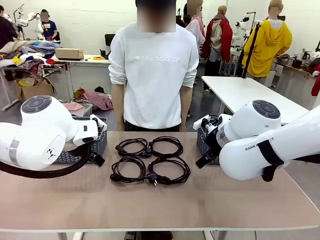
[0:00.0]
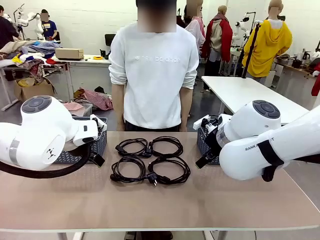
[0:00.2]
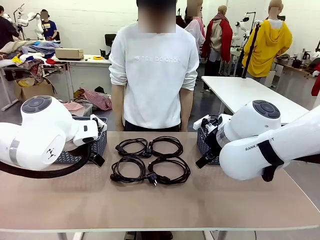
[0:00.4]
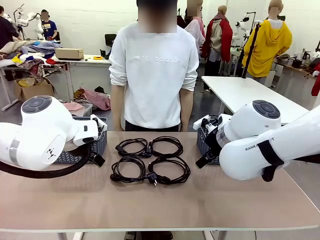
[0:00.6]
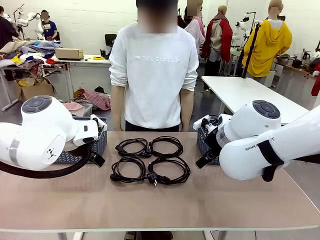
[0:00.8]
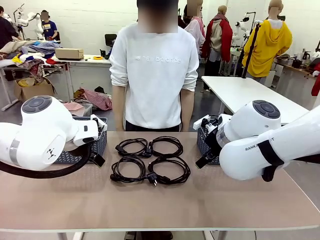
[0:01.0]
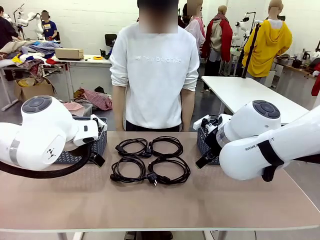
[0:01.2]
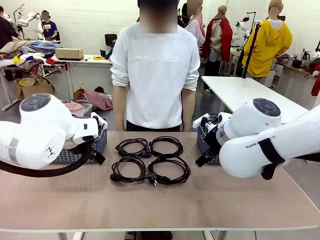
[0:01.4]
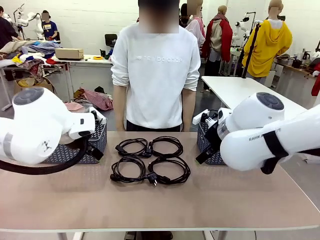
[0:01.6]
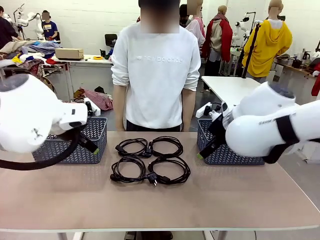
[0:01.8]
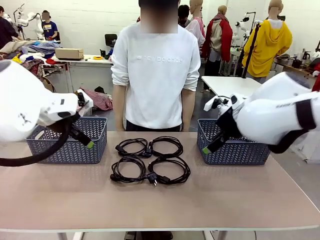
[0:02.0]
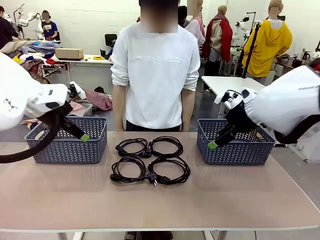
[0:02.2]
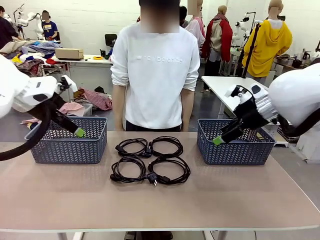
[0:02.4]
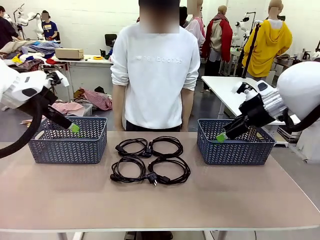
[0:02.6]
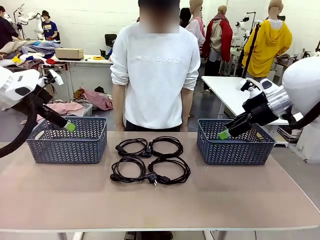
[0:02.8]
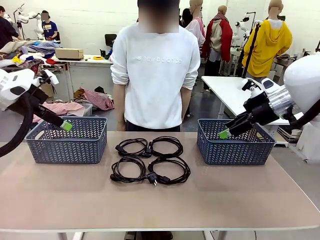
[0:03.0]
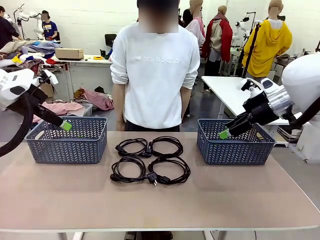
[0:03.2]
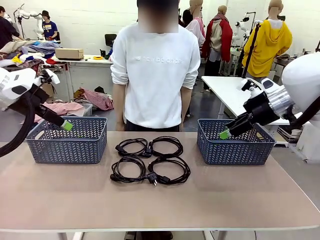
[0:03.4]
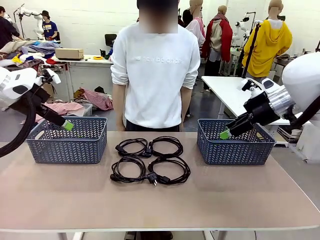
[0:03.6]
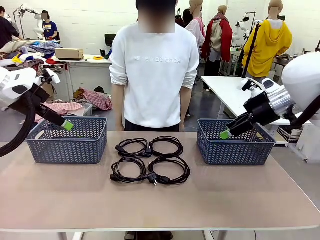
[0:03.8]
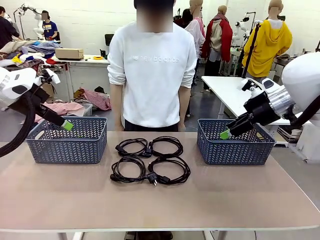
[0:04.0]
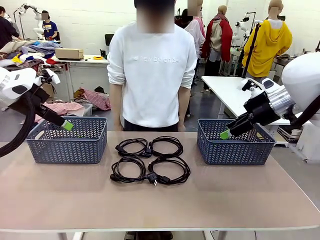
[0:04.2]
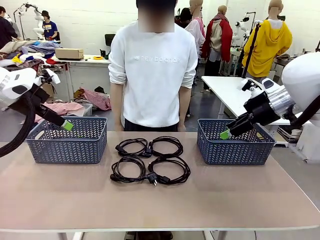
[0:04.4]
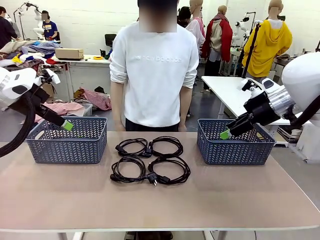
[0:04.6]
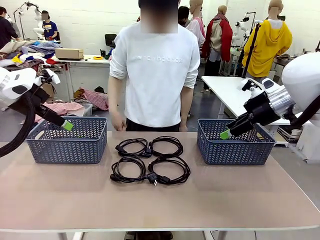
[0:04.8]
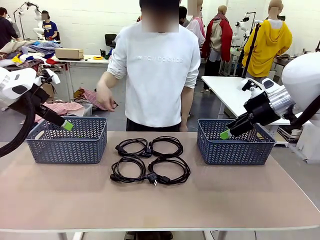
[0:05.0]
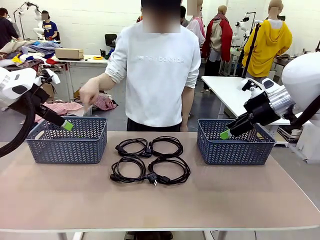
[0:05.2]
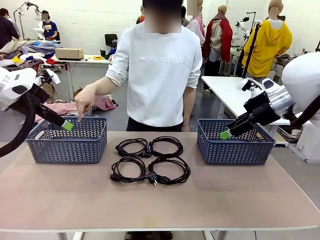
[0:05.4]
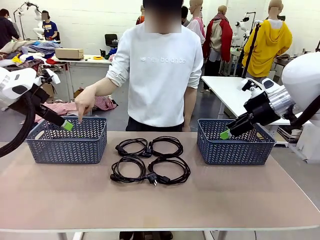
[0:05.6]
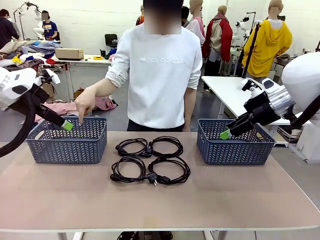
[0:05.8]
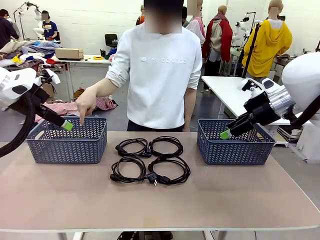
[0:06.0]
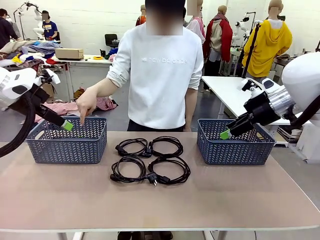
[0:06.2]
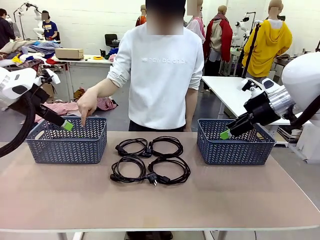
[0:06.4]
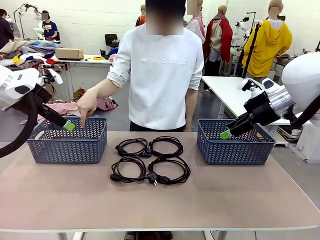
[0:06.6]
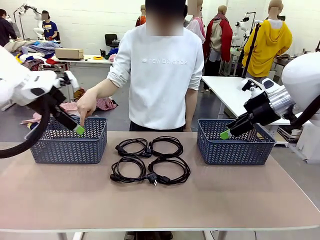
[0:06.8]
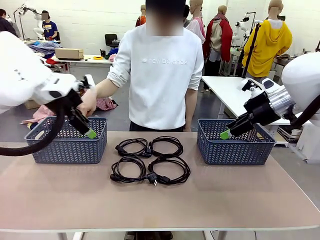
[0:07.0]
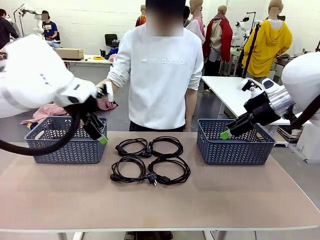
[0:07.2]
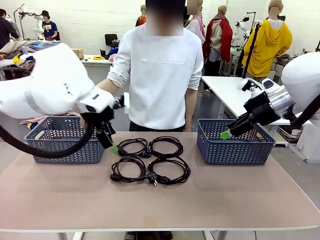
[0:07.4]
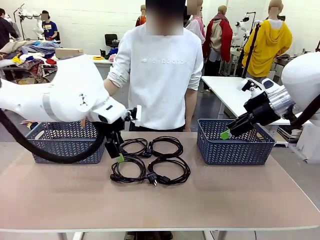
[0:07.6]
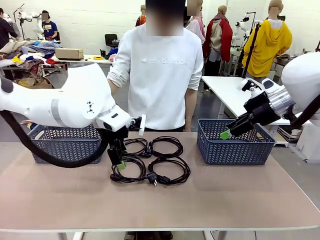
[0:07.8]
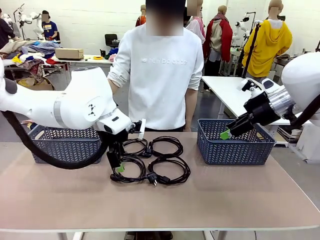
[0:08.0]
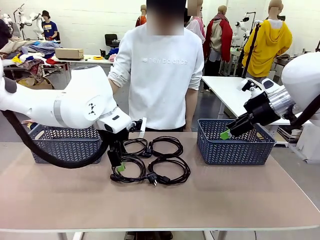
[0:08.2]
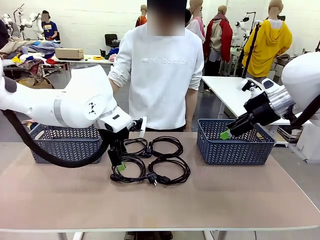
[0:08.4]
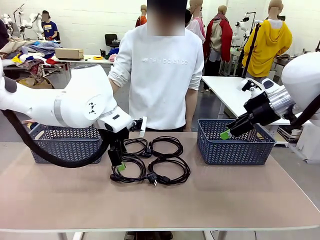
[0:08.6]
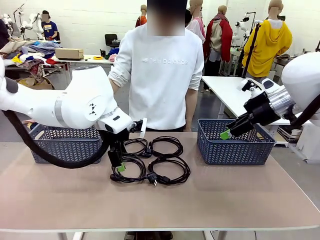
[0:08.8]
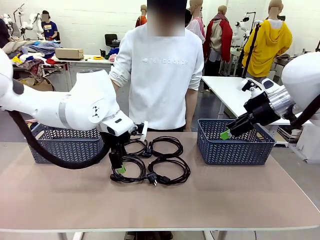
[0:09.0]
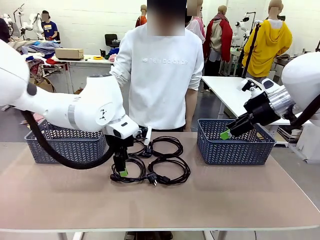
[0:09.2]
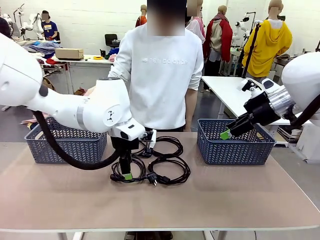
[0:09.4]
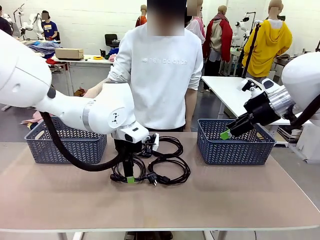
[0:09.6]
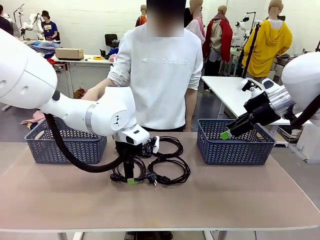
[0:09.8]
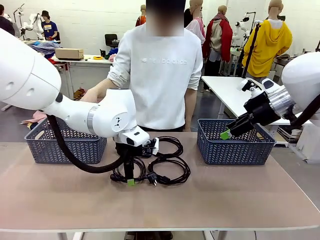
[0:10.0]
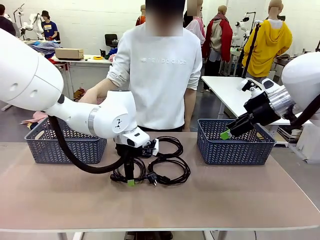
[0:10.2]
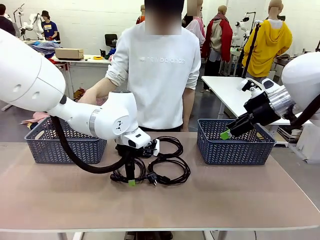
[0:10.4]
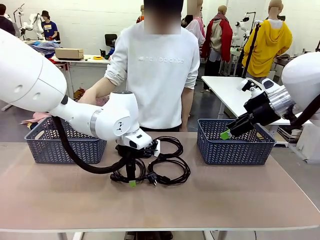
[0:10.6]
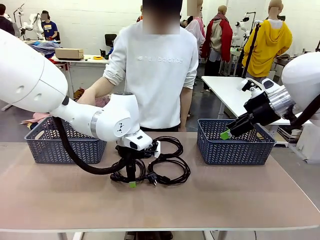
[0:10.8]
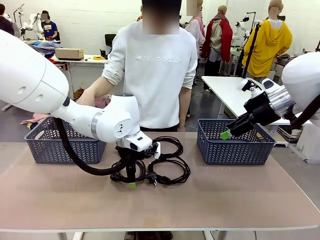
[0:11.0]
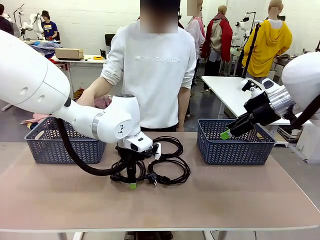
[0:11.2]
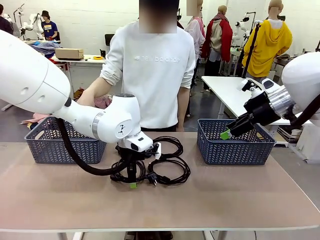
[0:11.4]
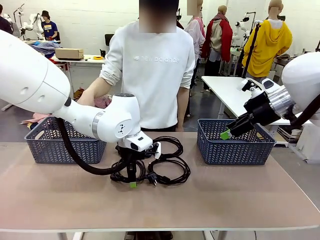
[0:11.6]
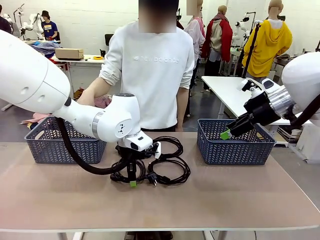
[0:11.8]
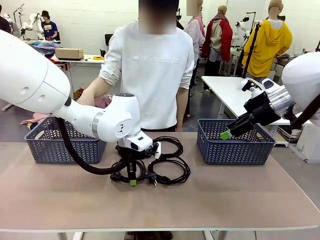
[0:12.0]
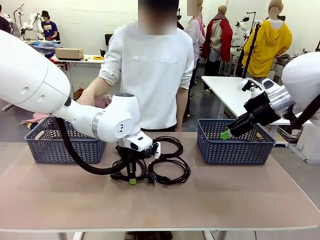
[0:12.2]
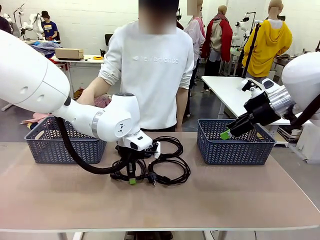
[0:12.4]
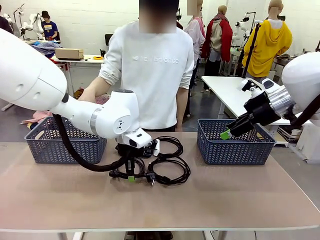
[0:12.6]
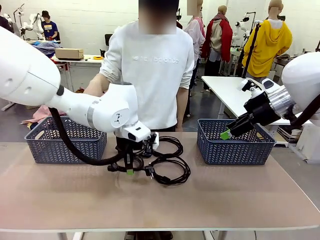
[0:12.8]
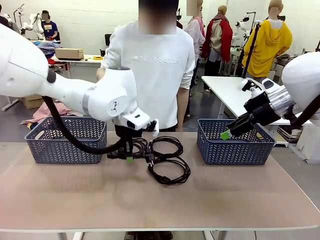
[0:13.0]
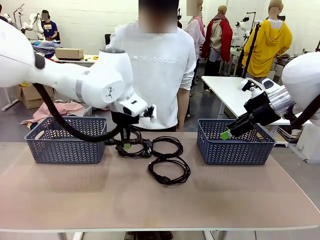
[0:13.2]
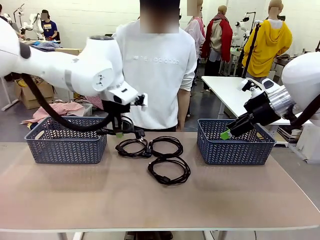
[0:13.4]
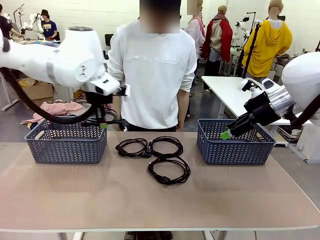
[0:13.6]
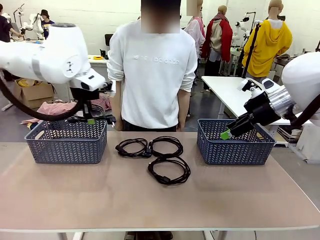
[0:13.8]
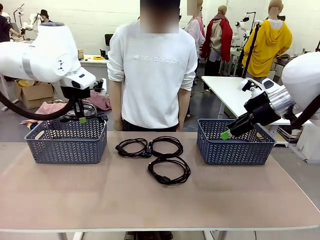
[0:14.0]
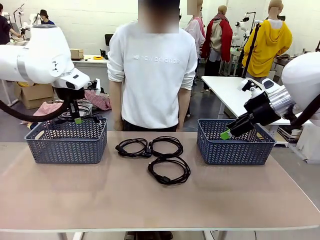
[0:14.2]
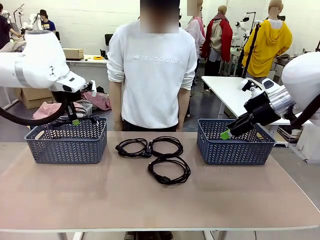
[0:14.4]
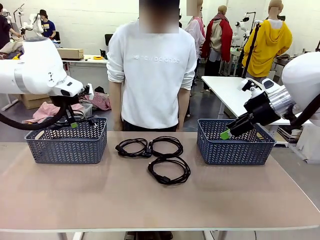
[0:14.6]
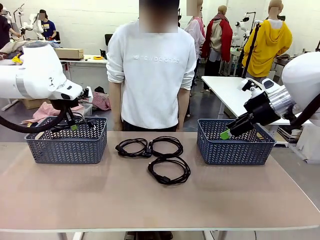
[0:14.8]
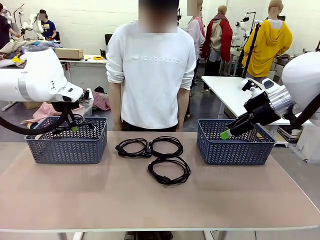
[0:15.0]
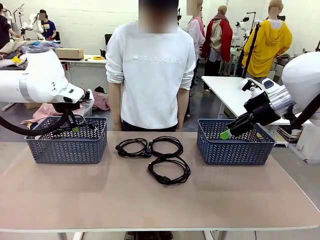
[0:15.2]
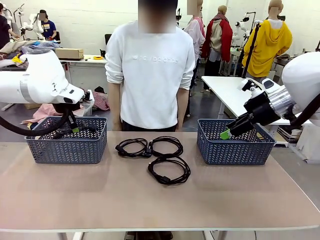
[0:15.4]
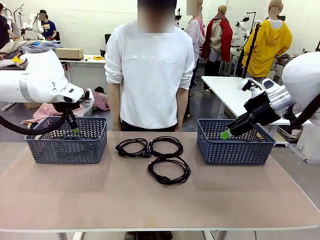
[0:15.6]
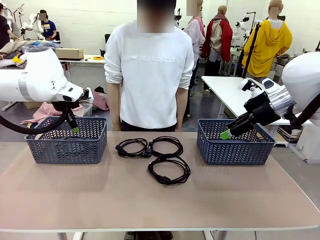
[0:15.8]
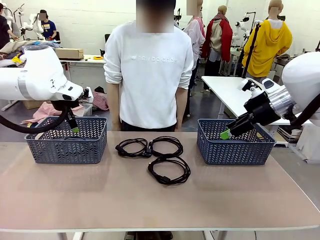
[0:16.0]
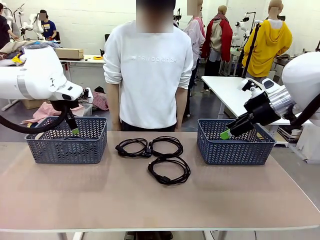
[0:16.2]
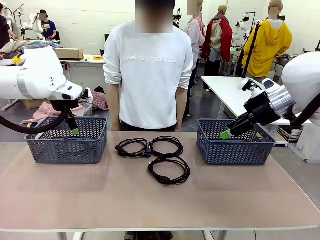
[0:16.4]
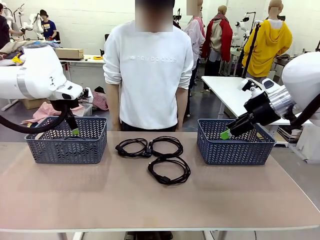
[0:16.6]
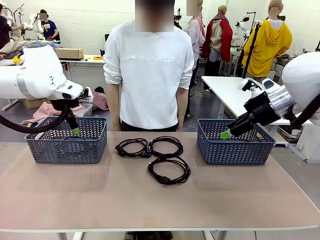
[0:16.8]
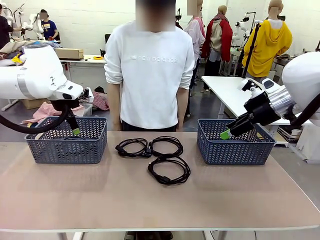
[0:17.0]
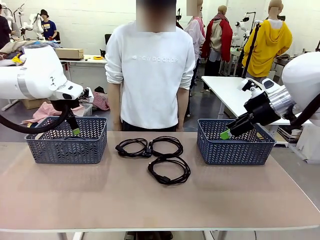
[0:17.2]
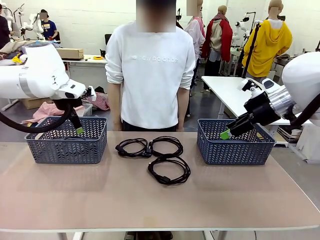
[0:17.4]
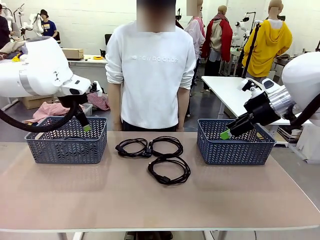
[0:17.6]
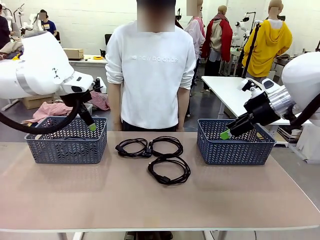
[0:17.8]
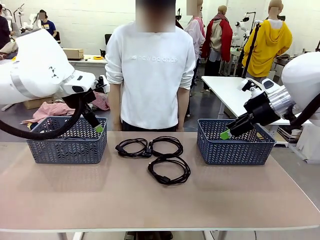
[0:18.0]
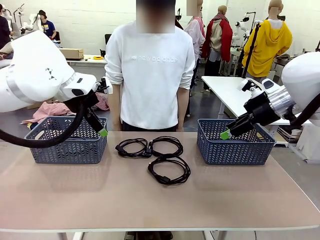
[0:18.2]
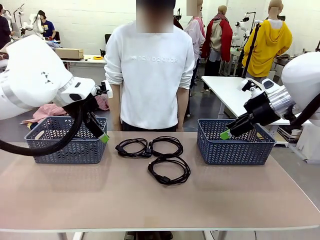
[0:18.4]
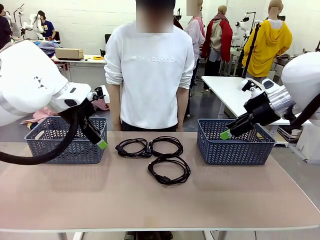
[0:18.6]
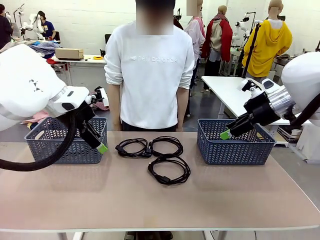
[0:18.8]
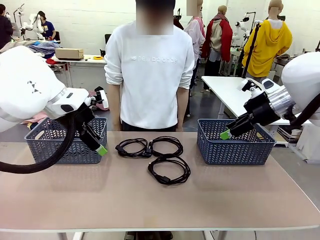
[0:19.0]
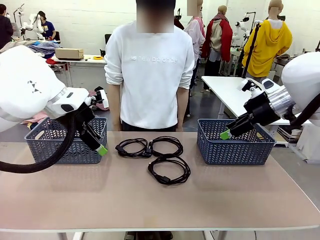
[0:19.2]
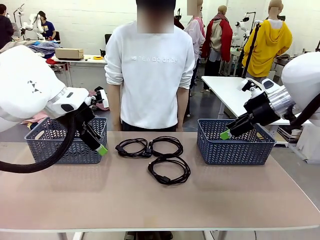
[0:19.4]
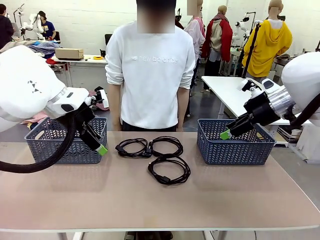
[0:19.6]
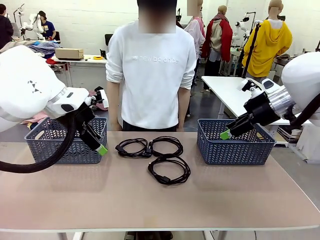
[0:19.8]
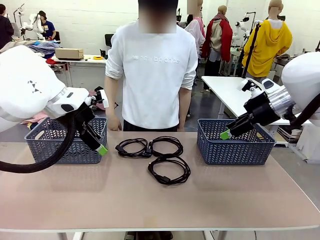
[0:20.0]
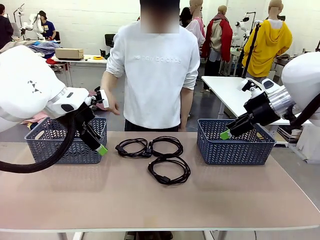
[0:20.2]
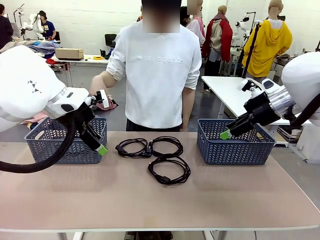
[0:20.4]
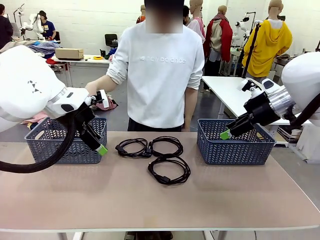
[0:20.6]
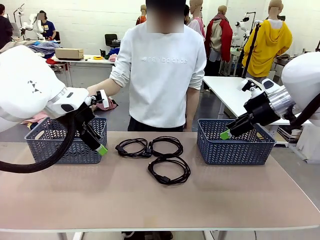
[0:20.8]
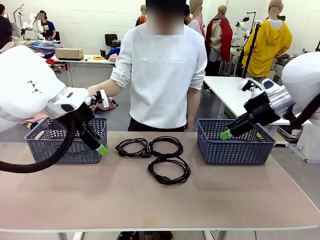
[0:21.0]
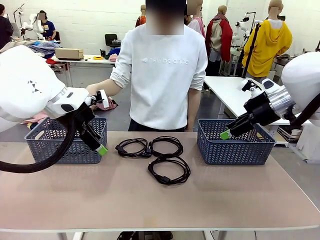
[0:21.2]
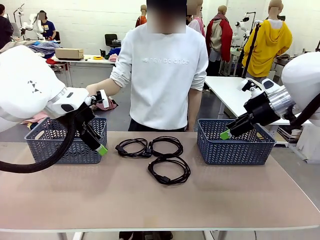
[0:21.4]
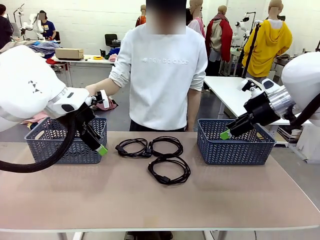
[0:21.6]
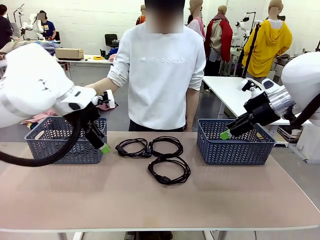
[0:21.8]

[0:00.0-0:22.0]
Task: Organize the cables according to human instructions.
Robot: Pick up a bundle of cables and place it in the basket indicated by the human.
